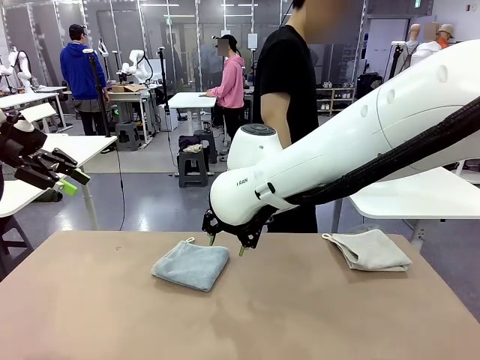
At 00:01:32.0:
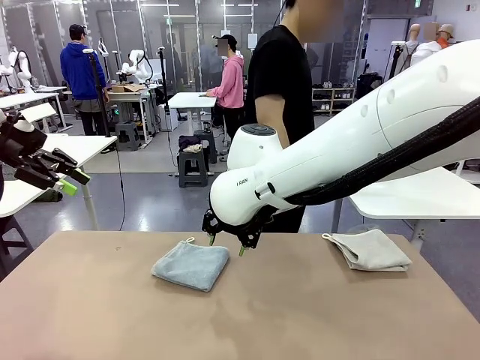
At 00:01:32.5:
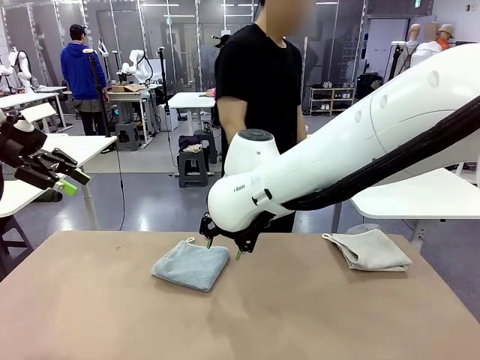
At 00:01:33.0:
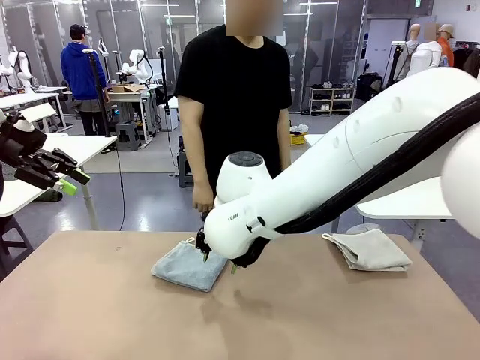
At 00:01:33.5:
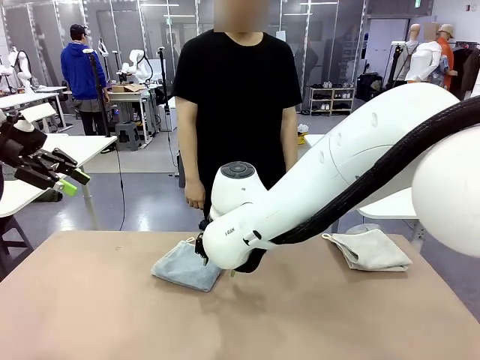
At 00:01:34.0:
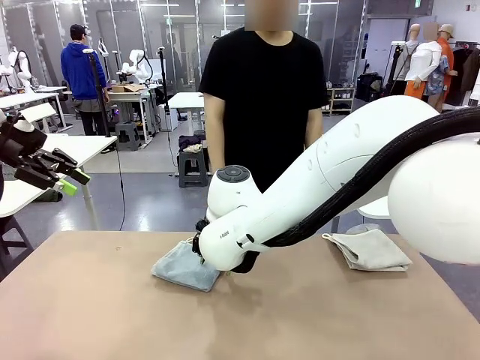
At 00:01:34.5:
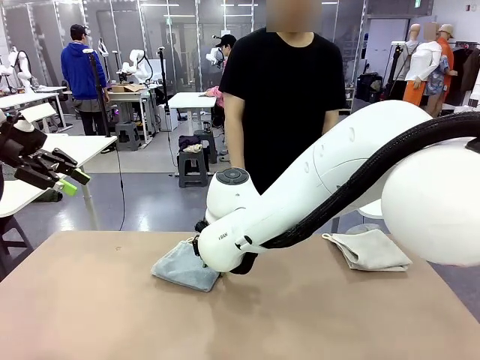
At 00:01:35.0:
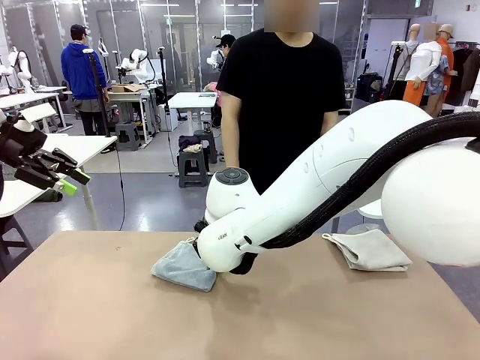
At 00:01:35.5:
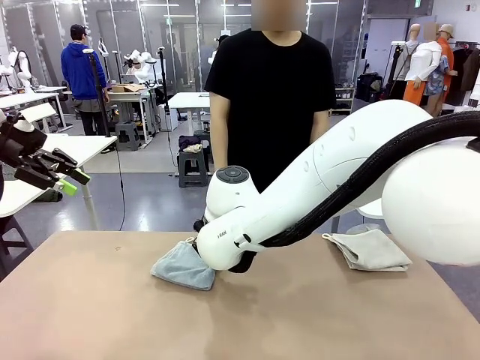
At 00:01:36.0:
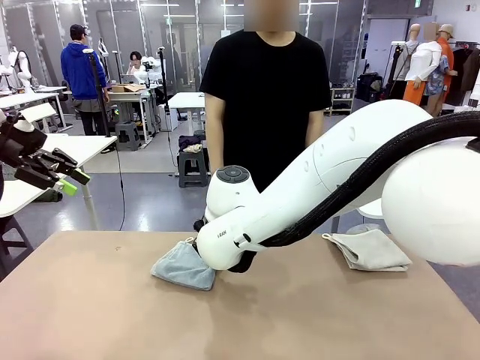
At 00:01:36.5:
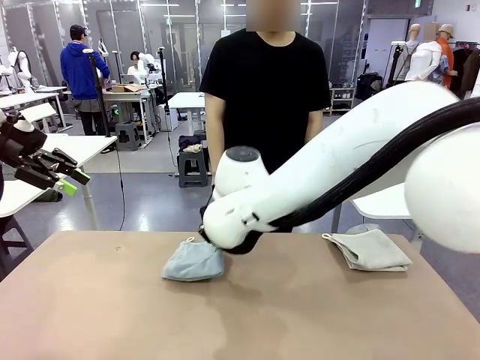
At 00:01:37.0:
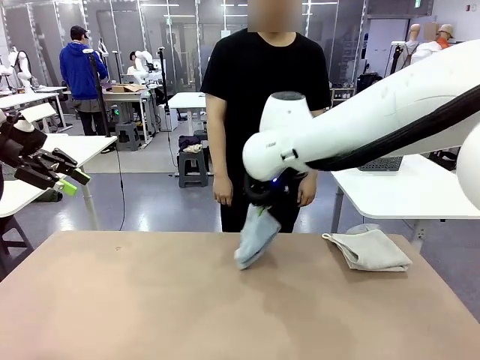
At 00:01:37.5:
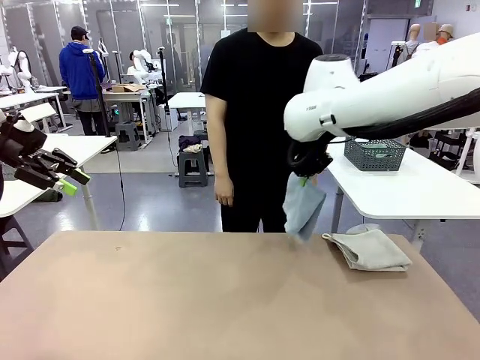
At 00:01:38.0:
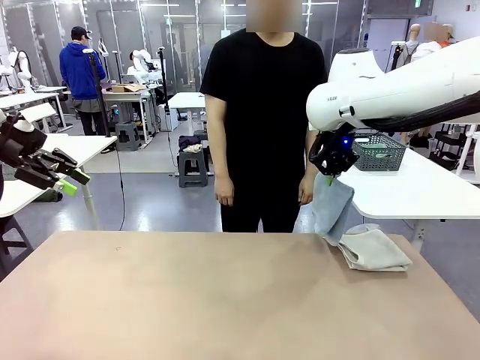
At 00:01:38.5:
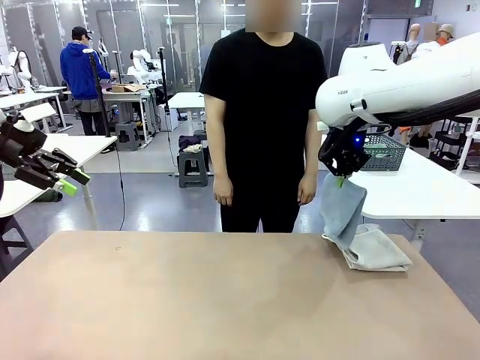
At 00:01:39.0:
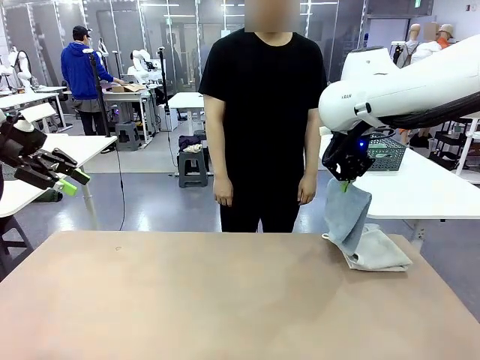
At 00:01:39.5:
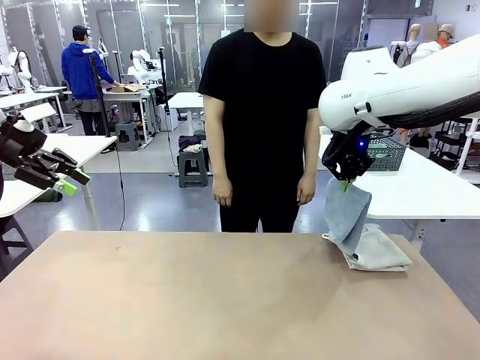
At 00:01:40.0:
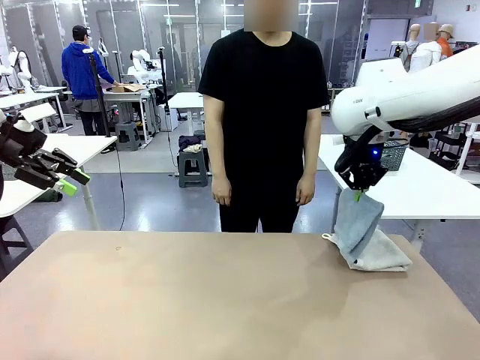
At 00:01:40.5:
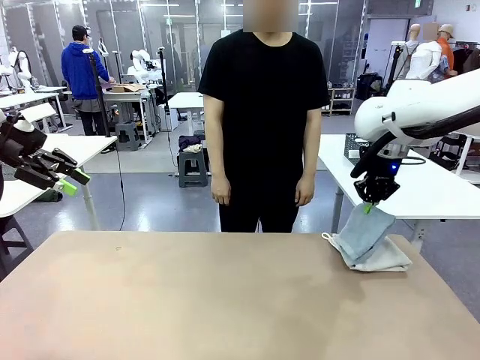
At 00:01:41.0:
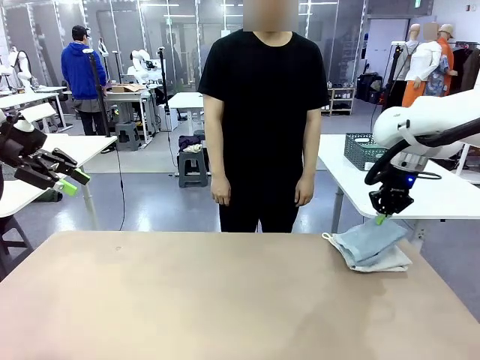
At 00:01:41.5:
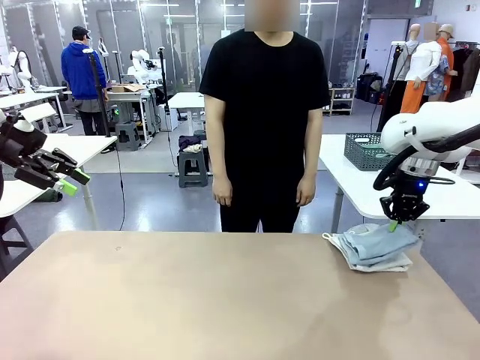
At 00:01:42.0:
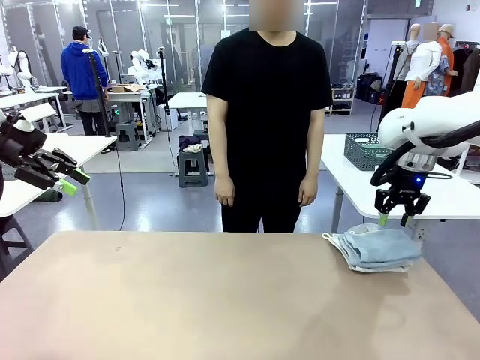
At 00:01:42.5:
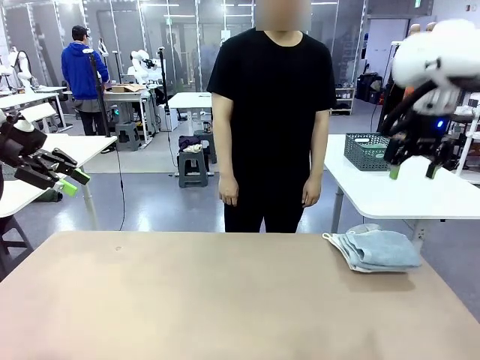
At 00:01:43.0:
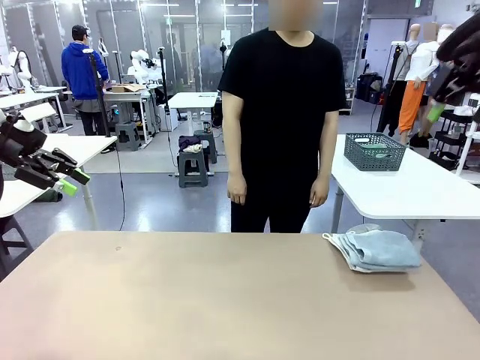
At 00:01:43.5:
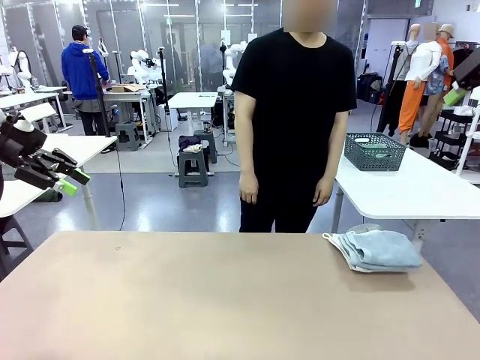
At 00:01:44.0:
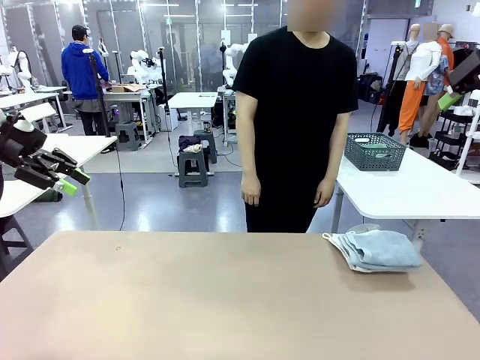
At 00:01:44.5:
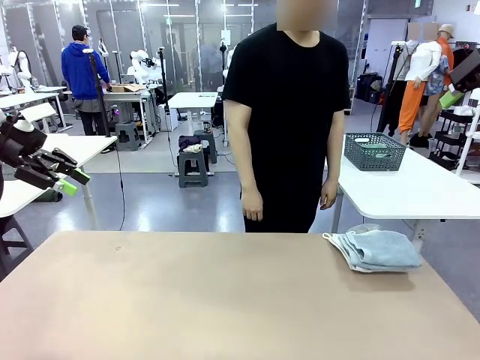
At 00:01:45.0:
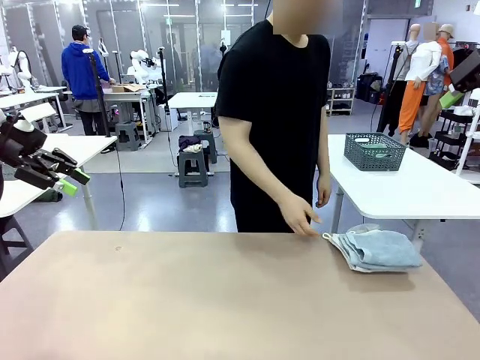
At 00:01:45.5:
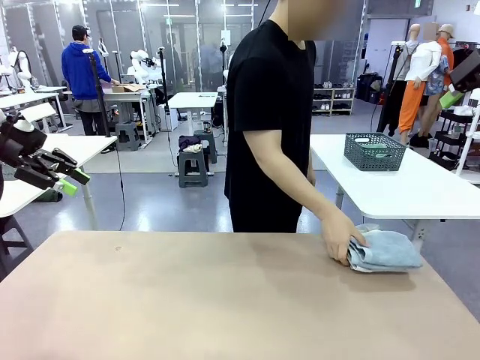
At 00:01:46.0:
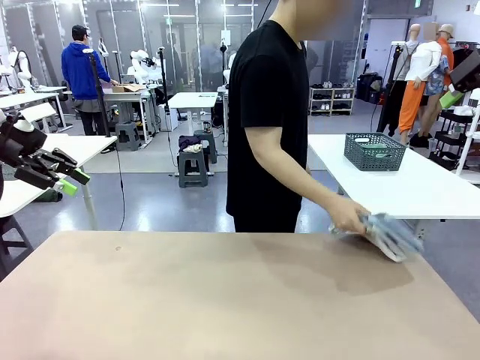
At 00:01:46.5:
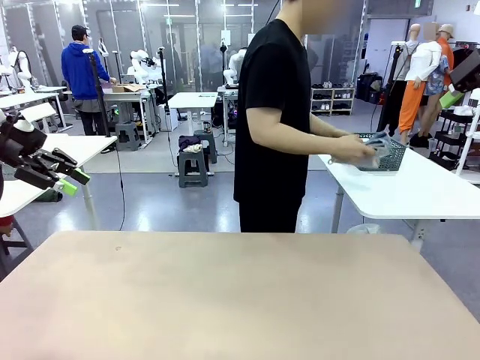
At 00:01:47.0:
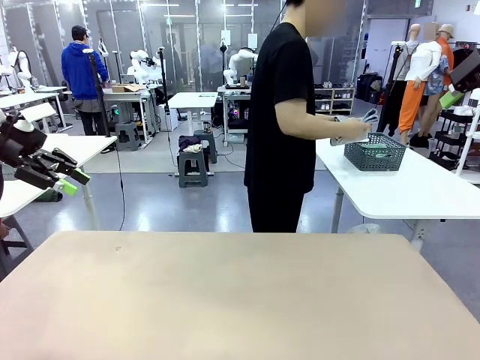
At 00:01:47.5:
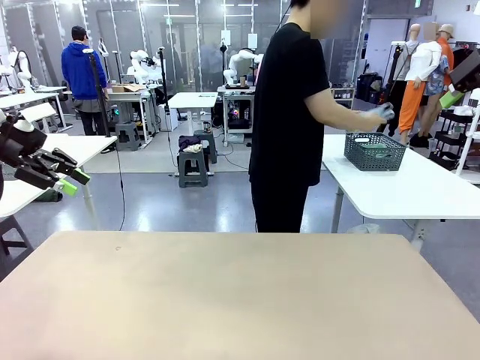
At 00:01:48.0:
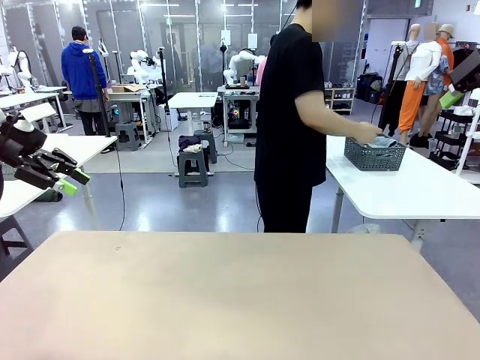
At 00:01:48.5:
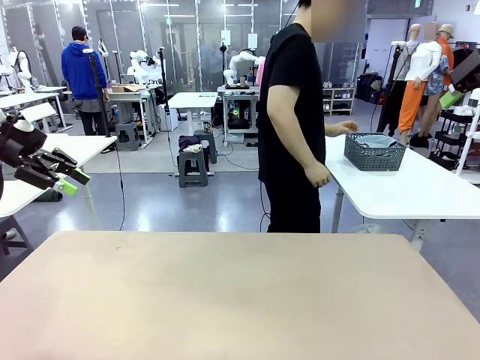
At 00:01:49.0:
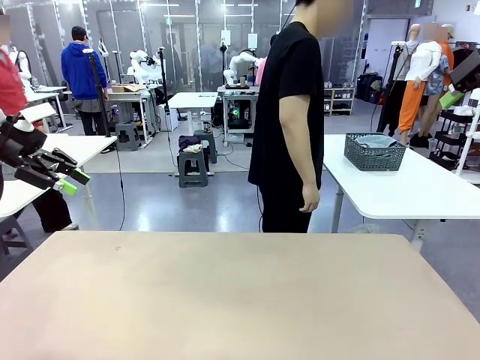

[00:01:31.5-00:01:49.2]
Task: Fold the towels and place them in the basket.
Robot: Stack the folded Towel with hook on the right side of the table.
Person: Pick up the stack of towels from the robot table and place it into the basket.
